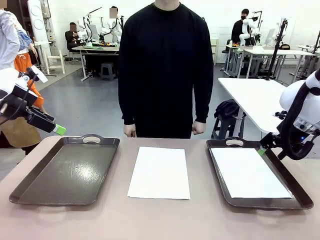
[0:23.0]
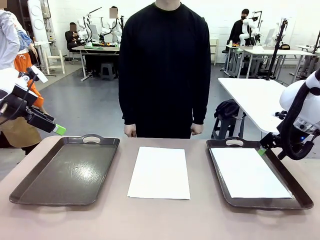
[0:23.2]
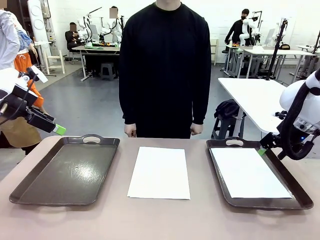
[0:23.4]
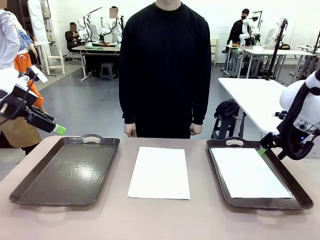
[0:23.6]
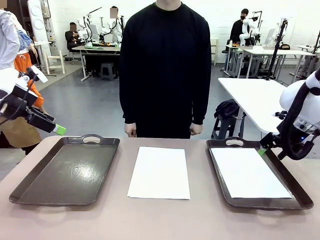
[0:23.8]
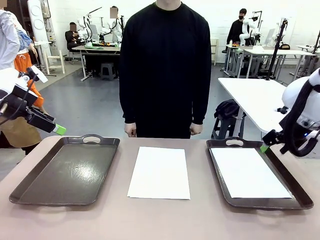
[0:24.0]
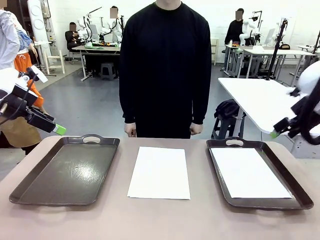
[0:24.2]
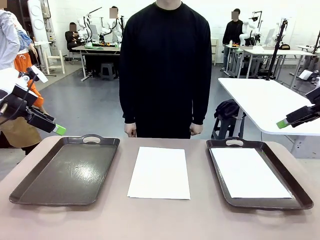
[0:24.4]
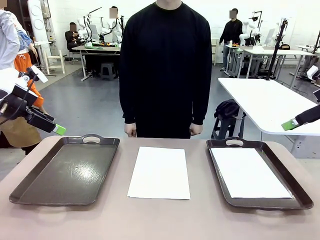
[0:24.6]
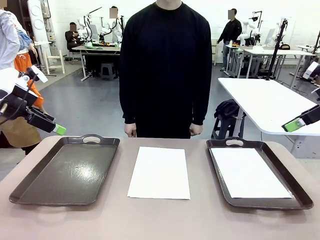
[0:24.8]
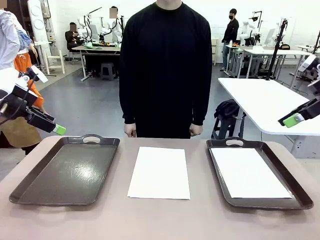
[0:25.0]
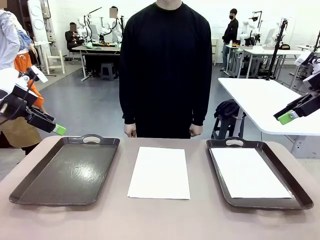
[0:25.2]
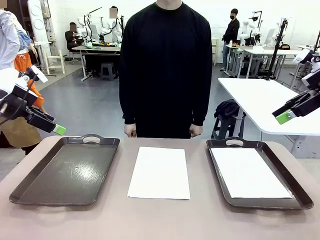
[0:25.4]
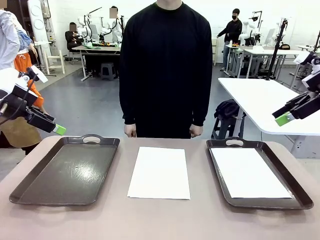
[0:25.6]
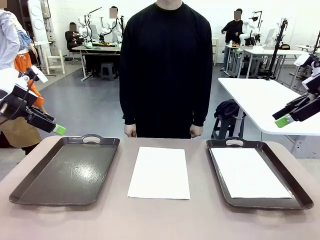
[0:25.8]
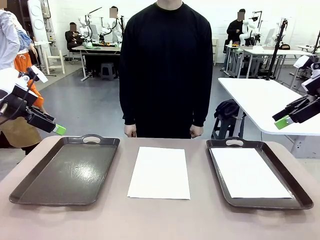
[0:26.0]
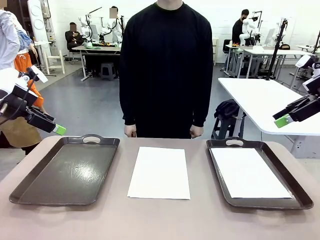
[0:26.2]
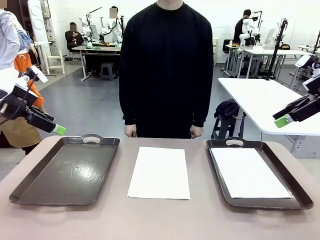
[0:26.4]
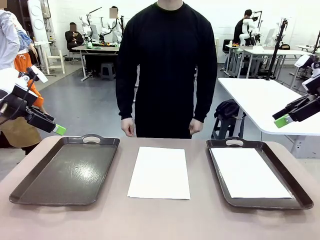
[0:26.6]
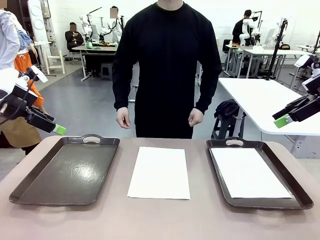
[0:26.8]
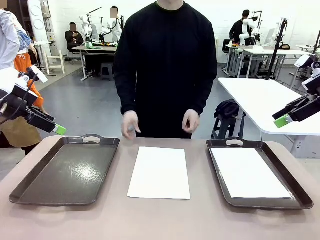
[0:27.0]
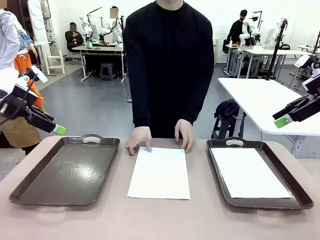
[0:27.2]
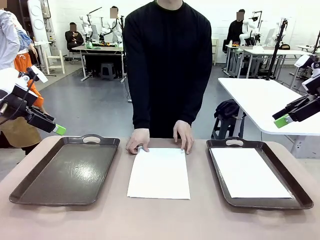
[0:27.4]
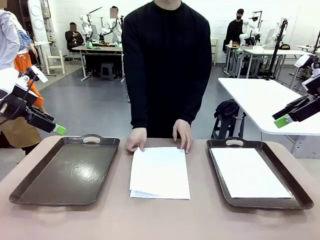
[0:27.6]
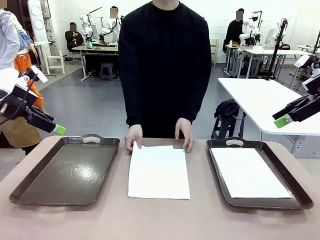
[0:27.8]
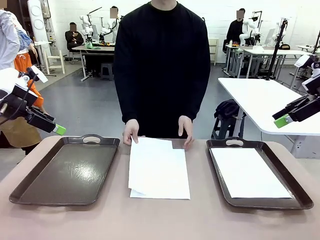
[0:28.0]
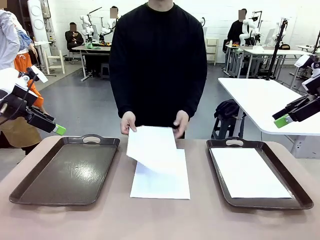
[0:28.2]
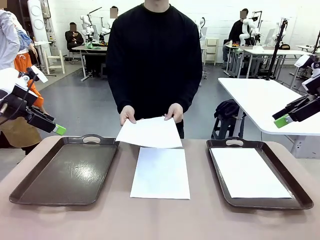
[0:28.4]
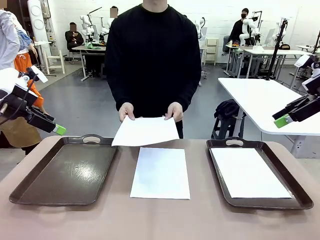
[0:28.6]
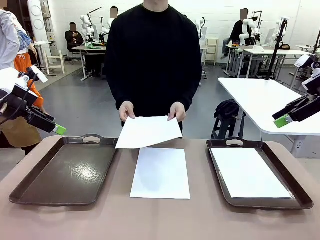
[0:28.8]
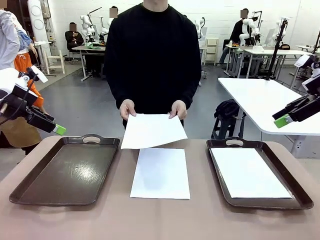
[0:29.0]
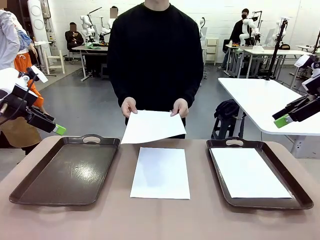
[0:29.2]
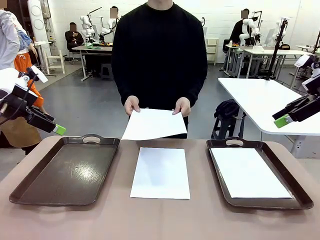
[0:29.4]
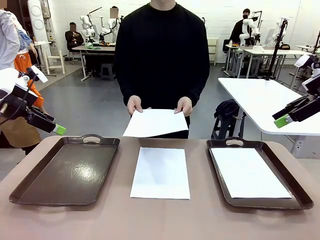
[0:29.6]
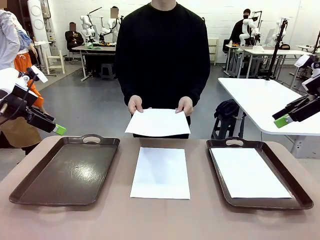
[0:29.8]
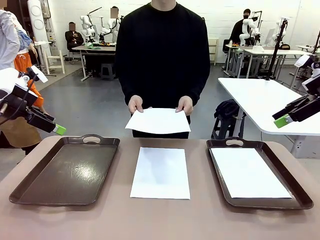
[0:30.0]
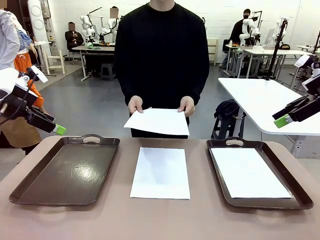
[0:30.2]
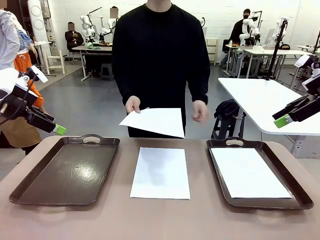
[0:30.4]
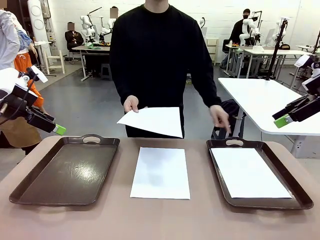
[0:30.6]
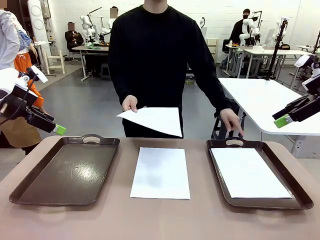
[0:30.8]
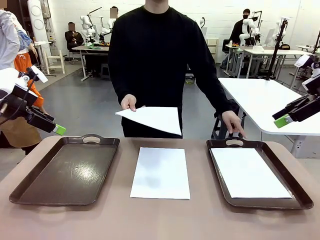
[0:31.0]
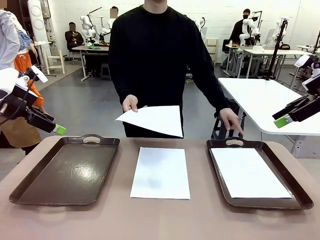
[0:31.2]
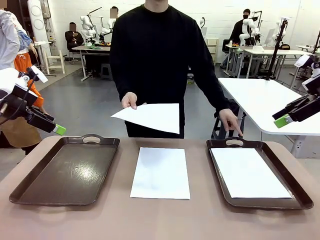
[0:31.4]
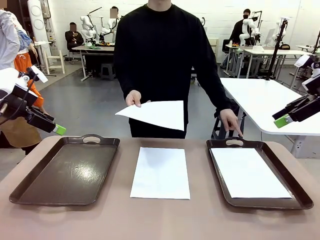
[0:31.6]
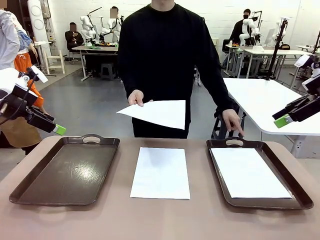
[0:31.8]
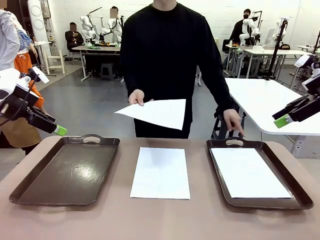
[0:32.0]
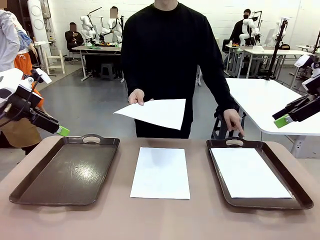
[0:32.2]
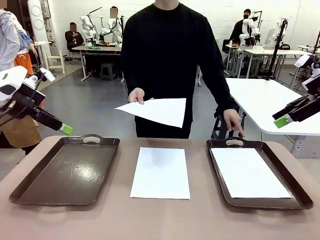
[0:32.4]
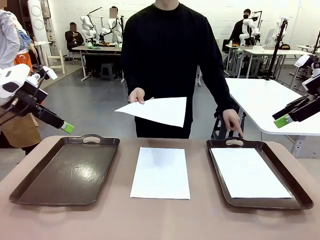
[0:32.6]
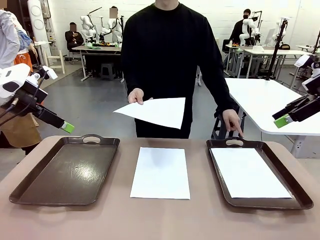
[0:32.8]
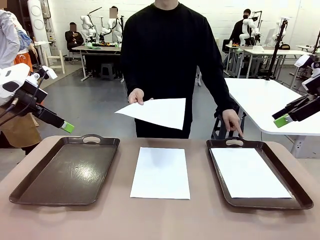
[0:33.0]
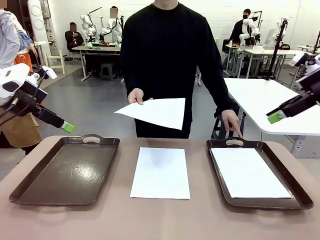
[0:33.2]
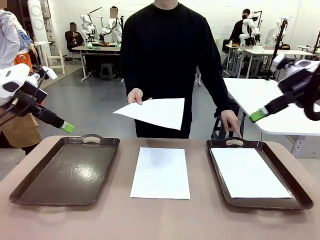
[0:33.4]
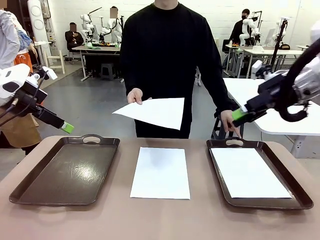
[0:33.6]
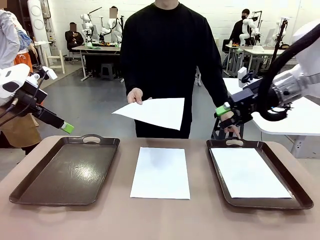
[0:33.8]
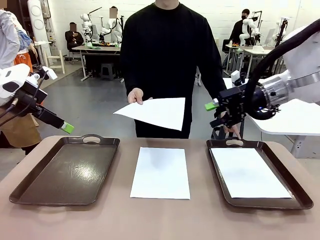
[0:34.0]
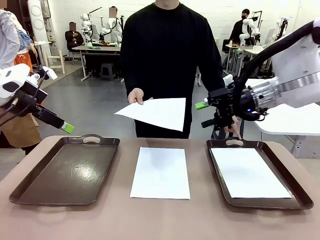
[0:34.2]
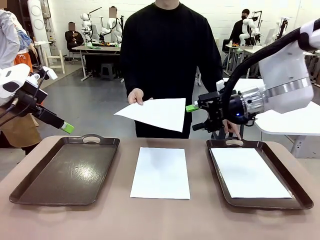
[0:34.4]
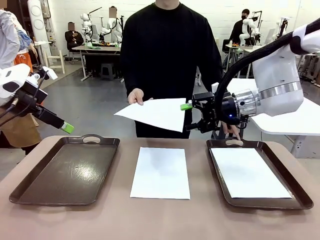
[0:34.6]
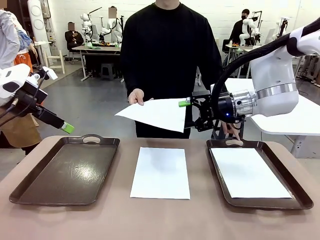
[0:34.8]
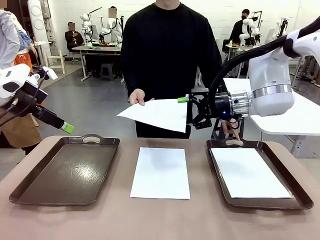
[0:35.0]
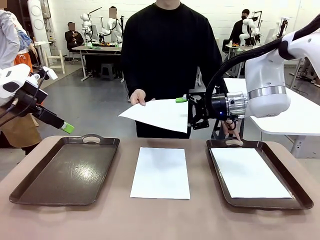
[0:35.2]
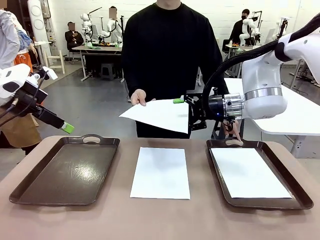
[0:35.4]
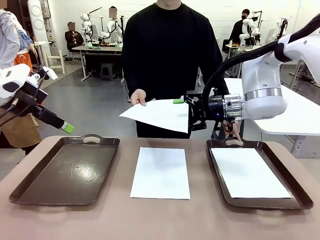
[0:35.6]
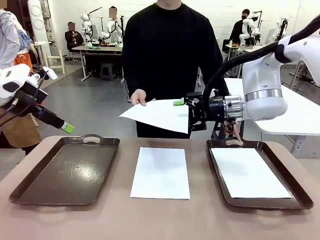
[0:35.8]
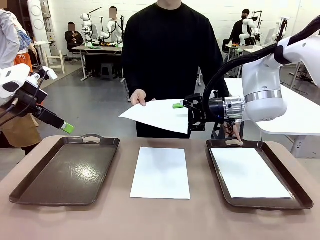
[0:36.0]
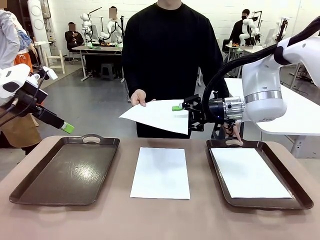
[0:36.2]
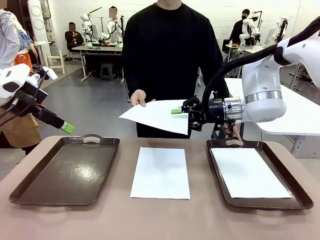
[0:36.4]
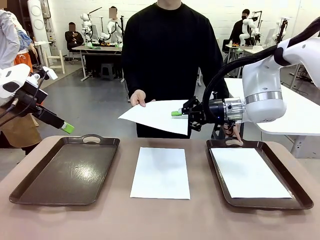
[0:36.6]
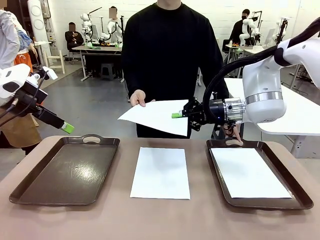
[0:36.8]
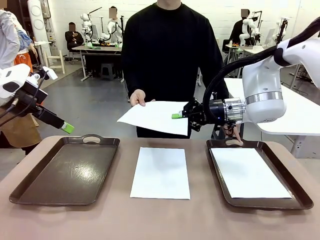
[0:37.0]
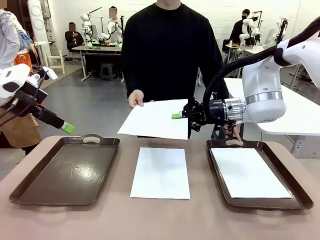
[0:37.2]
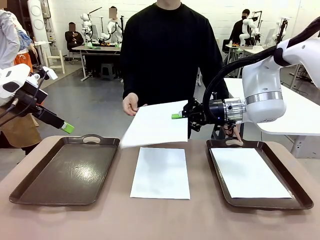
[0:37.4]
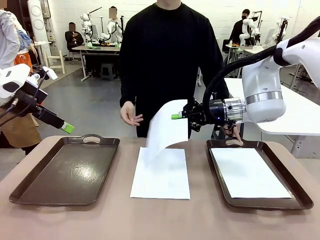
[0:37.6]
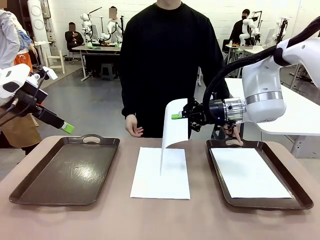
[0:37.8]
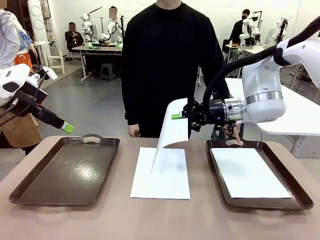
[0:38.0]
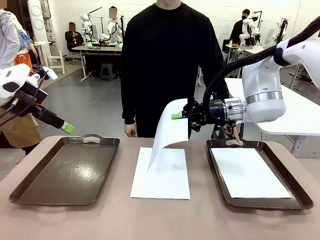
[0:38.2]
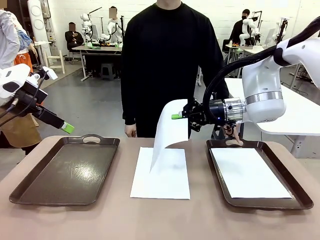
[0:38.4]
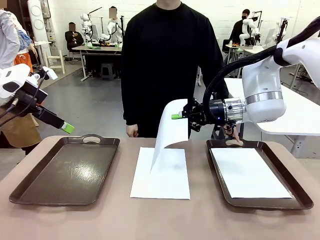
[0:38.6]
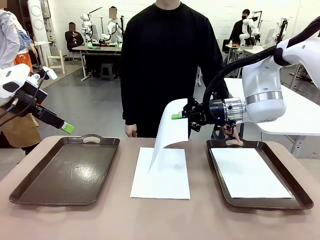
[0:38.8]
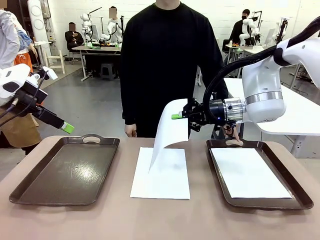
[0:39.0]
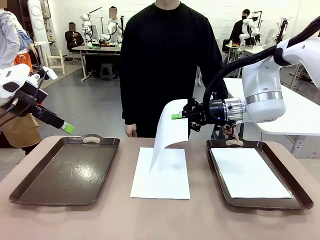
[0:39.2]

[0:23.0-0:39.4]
Task: Sort the A4 documents.
Robot: Receive the A4 Paper.
Person: Point the randomly selected tray with the other hand.

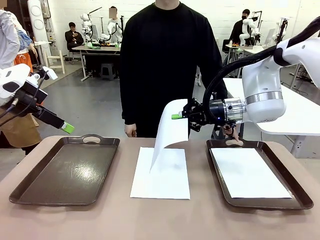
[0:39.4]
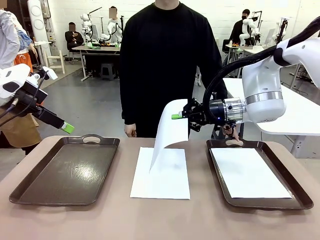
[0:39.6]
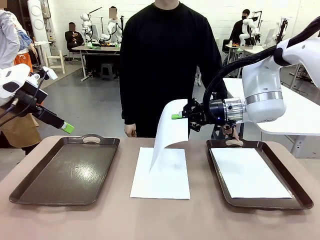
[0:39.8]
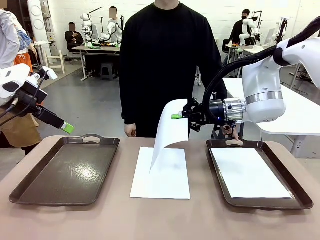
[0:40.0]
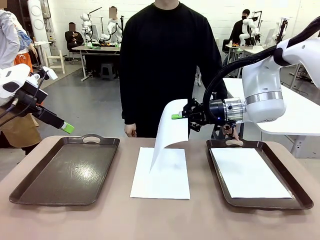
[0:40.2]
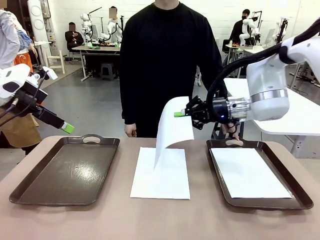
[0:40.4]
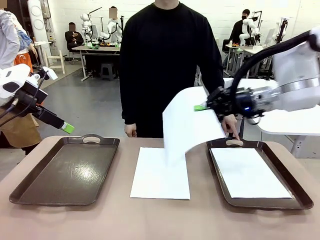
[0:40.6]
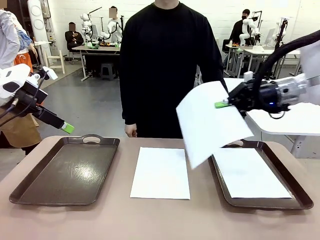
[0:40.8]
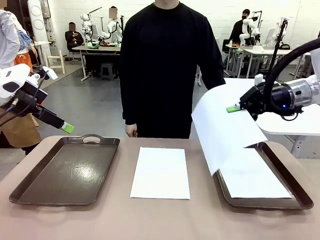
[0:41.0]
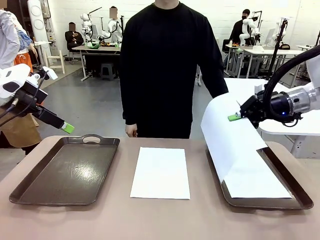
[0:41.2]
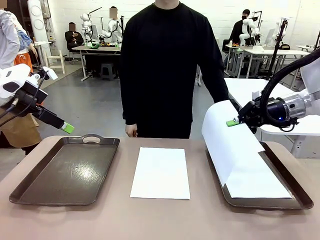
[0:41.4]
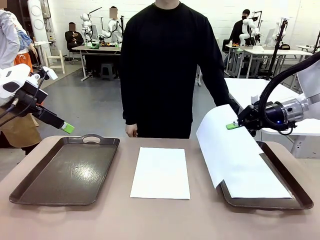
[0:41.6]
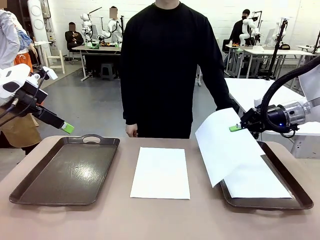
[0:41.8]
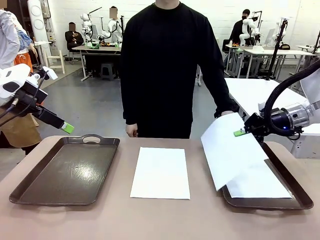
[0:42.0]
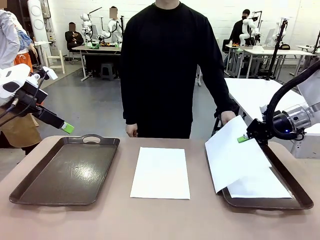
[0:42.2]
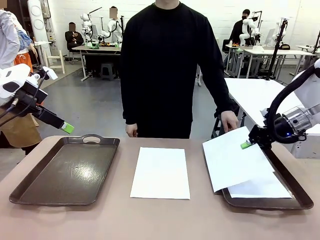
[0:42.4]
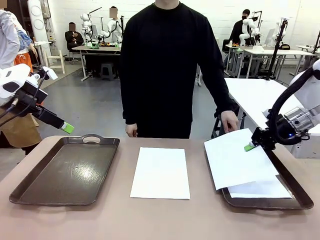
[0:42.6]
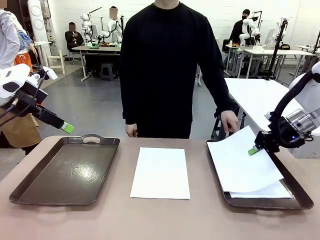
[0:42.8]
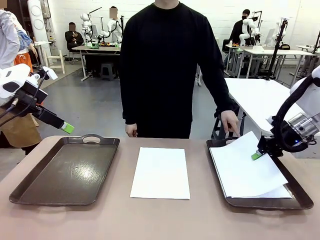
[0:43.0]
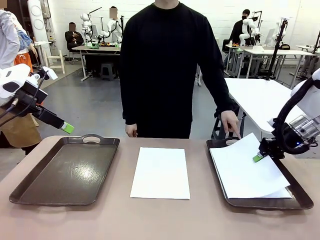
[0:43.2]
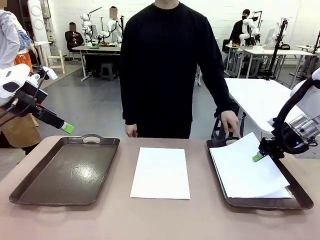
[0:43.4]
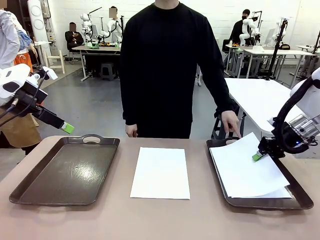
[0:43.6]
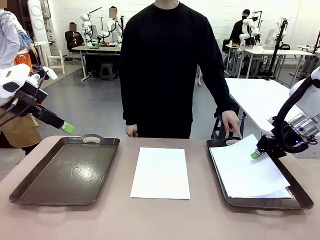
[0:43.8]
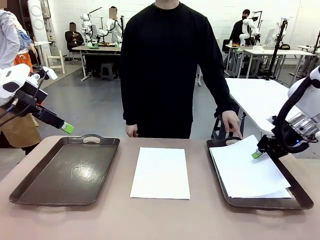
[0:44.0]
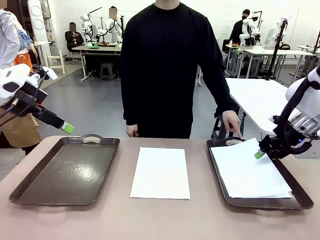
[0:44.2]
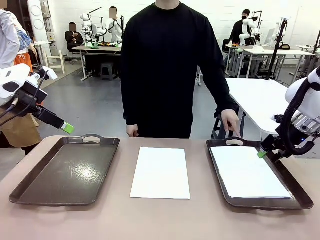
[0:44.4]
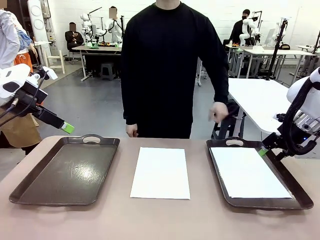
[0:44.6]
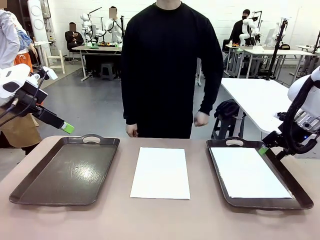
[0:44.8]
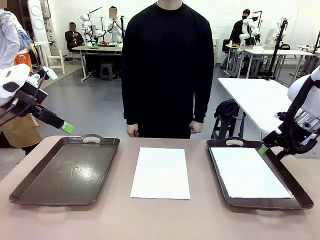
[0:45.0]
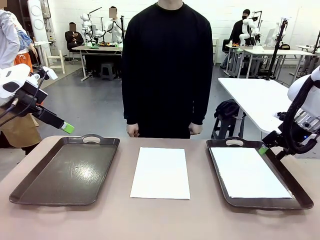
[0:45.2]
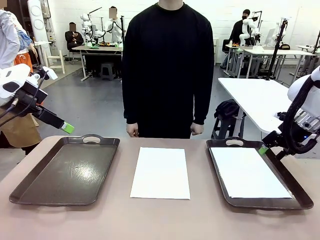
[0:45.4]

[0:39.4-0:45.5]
Robot: Place the A4 Paper in the designated Handle tray.
